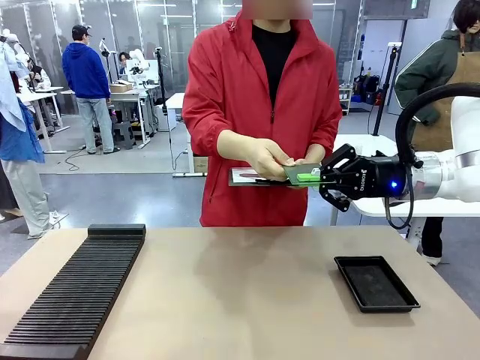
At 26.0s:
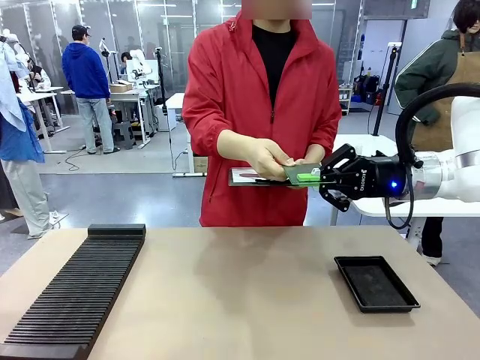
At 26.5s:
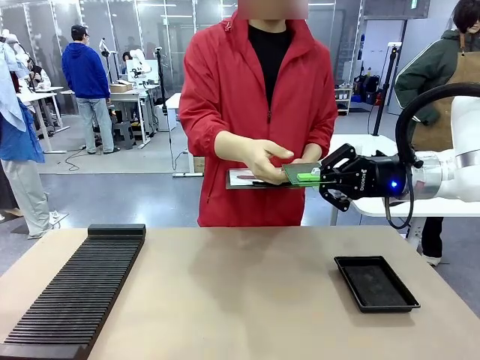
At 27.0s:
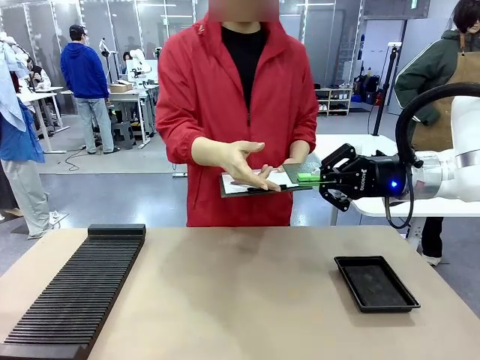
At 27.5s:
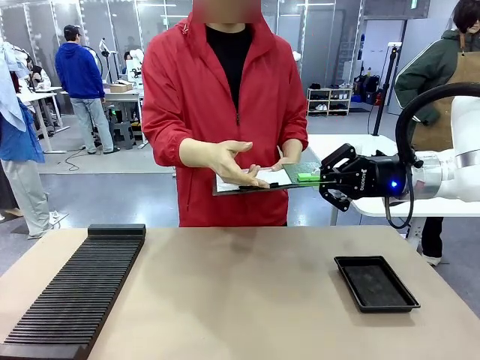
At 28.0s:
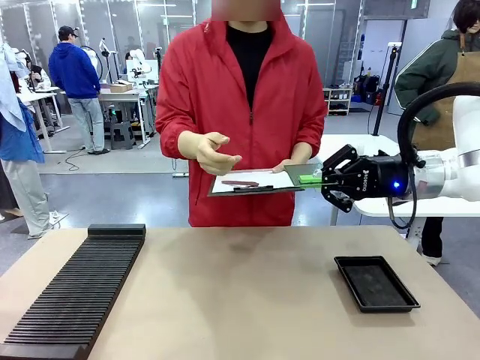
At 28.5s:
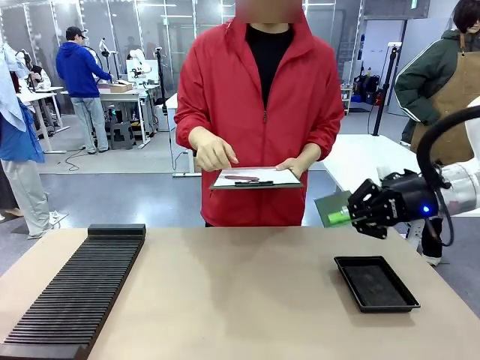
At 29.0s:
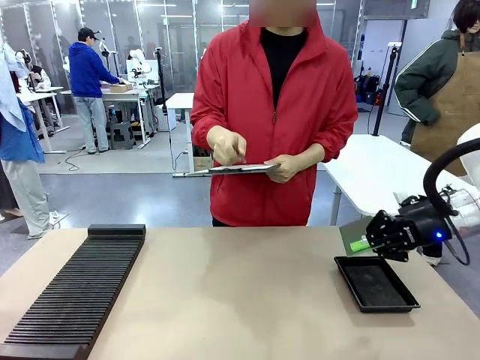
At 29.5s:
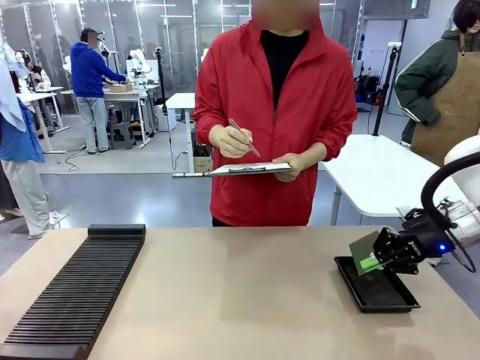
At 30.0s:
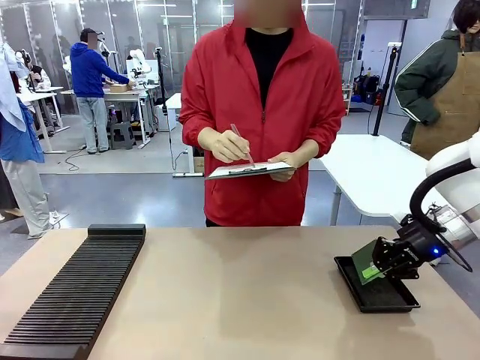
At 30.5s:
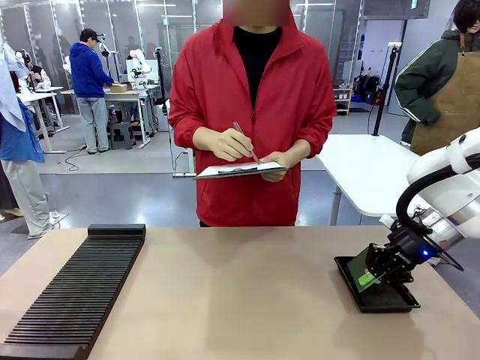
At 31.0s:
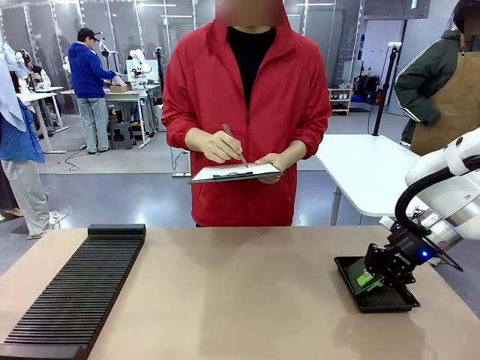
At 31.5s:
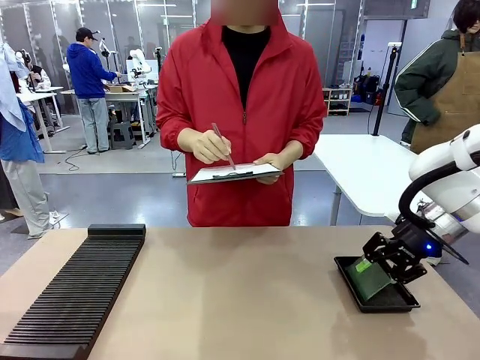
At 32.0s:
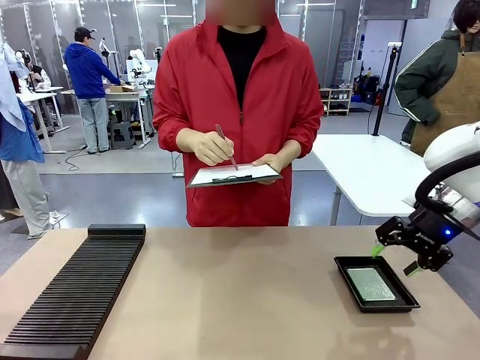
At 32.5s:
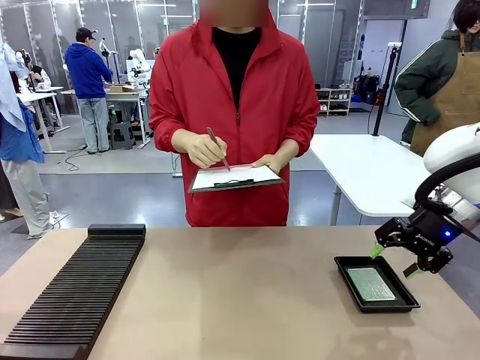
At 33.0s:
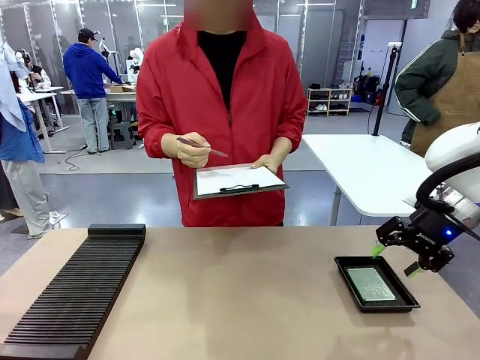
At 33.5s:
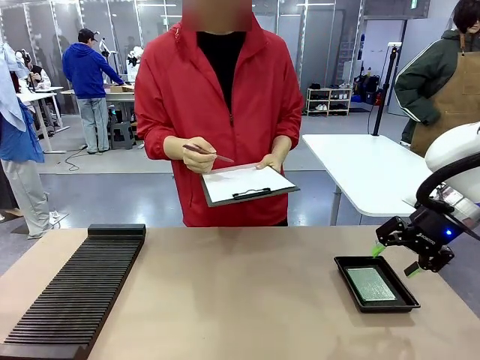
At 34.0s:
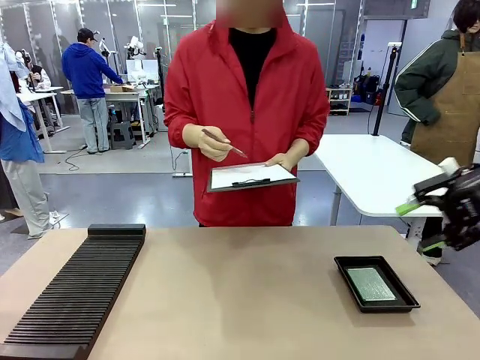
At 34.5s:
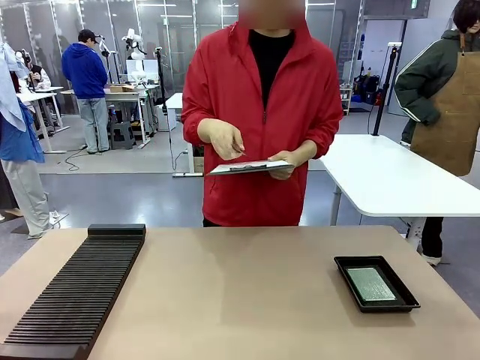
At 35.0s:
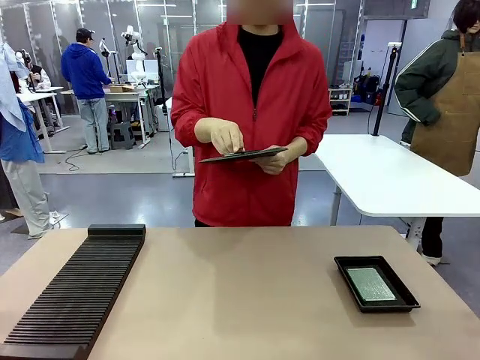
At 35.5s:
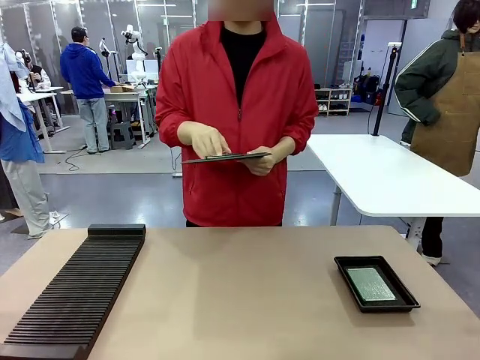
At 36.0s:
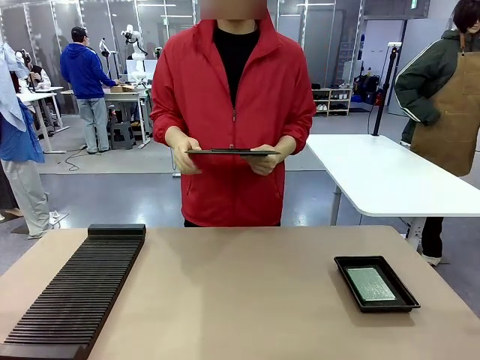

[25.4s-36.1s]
Task: Inspect the PCB.
Robot: Place the Blank PCB in the ESD tray.
Person: Record the PCB status on the paper.

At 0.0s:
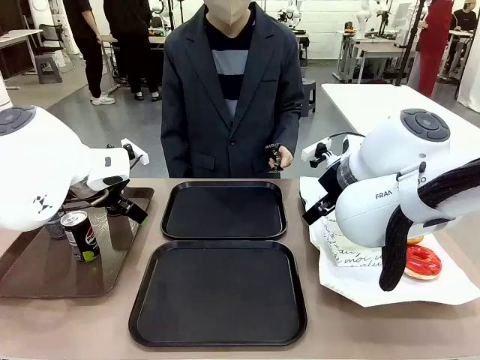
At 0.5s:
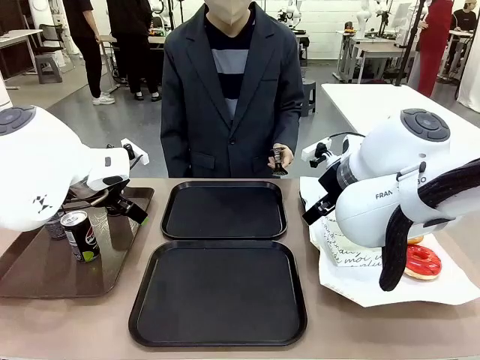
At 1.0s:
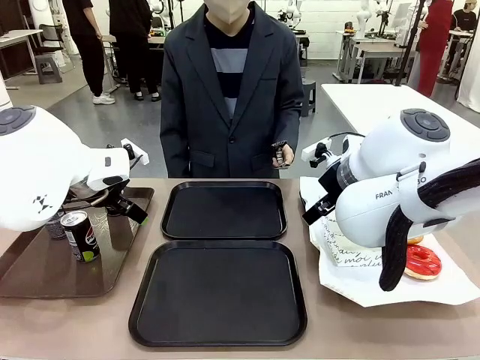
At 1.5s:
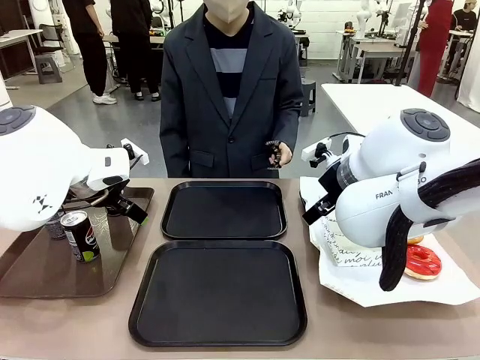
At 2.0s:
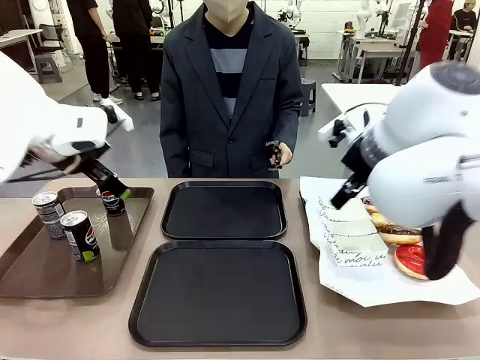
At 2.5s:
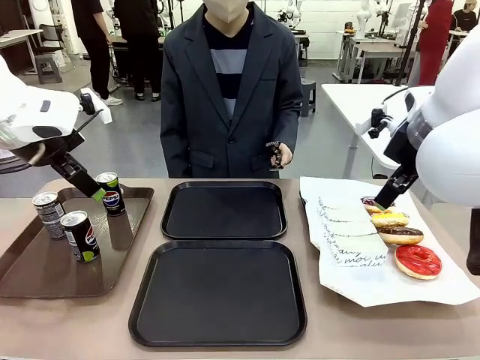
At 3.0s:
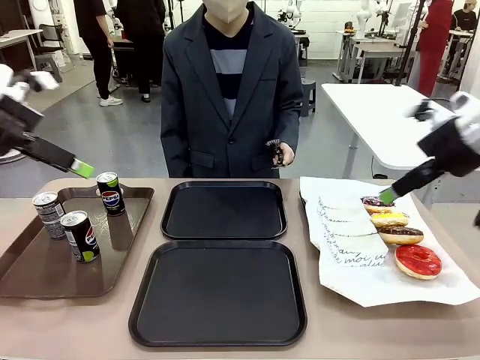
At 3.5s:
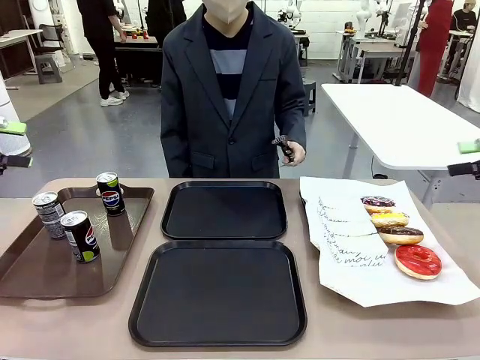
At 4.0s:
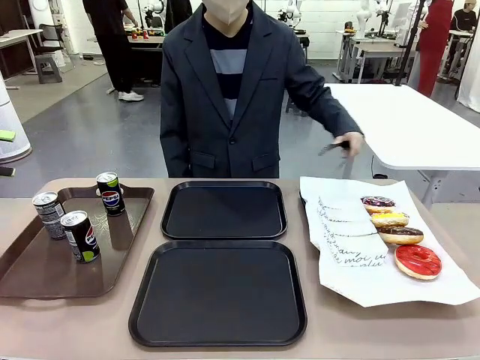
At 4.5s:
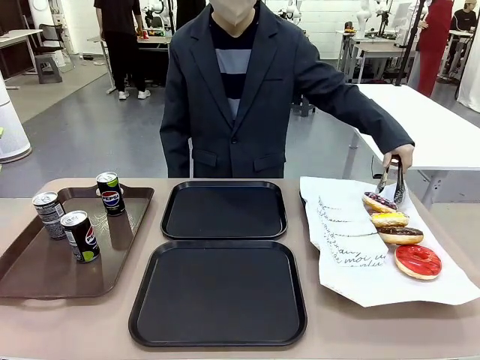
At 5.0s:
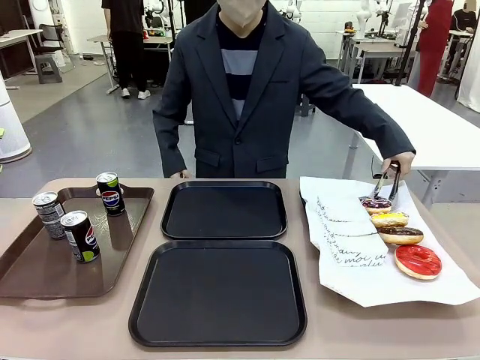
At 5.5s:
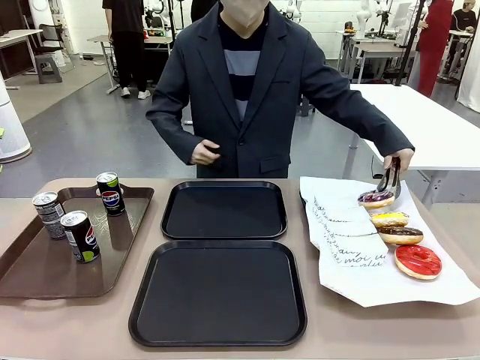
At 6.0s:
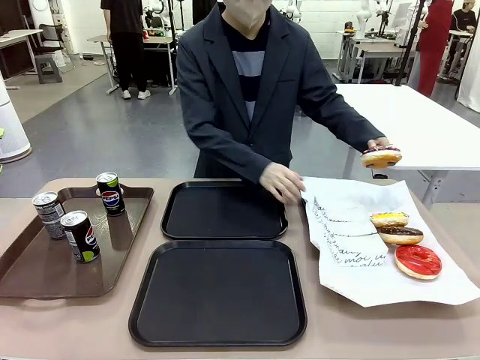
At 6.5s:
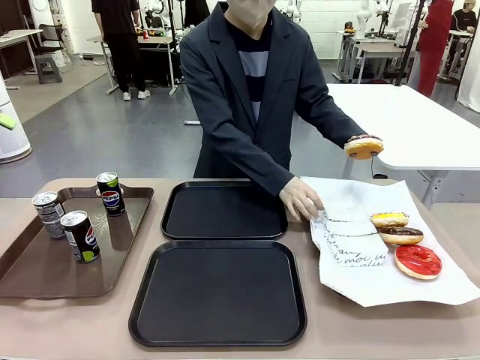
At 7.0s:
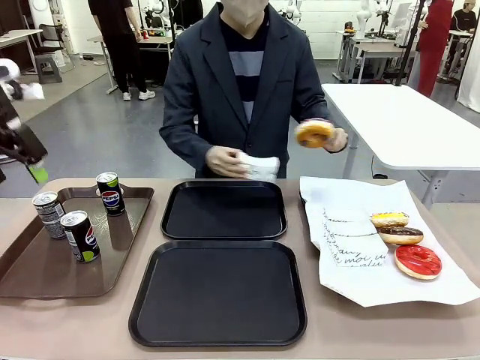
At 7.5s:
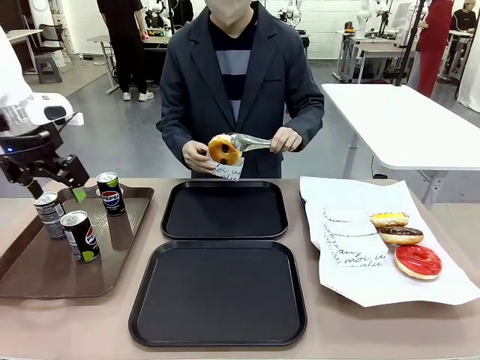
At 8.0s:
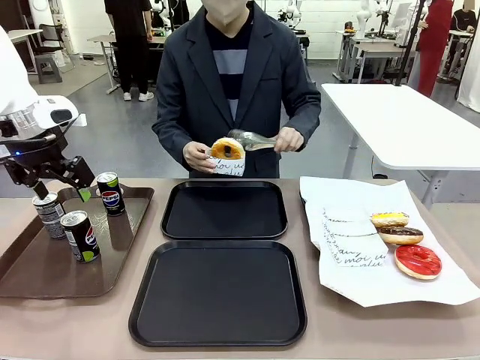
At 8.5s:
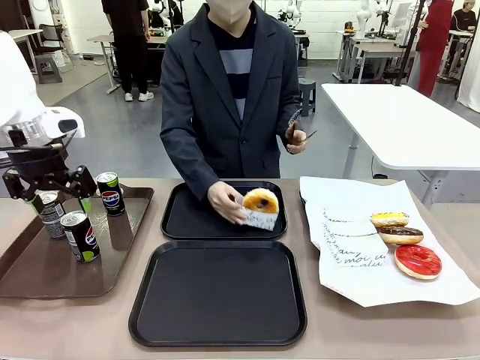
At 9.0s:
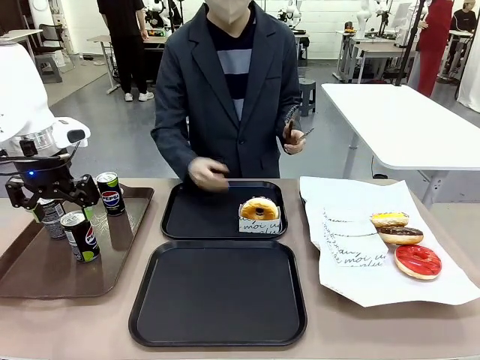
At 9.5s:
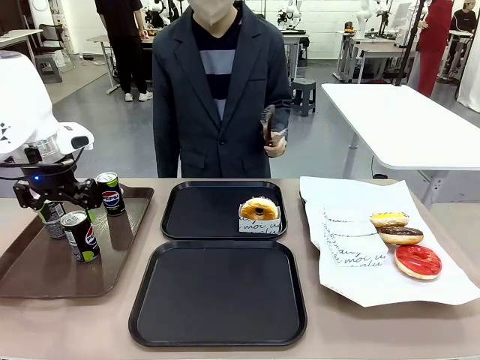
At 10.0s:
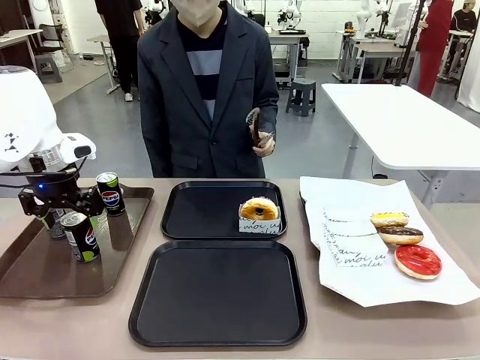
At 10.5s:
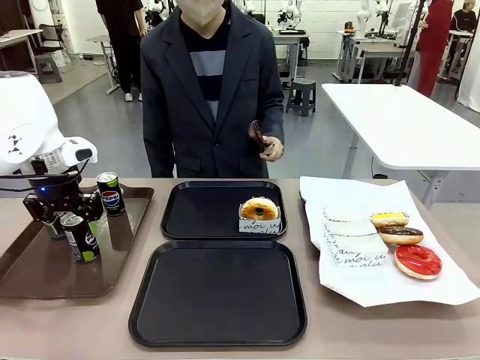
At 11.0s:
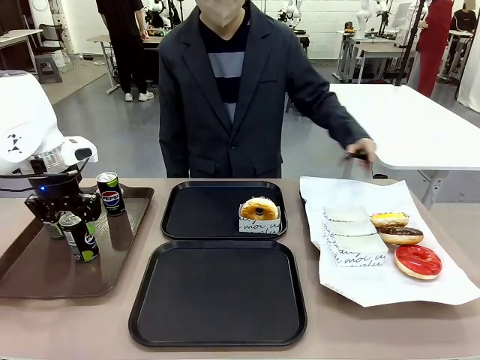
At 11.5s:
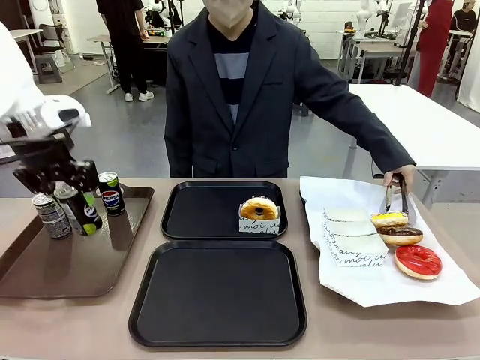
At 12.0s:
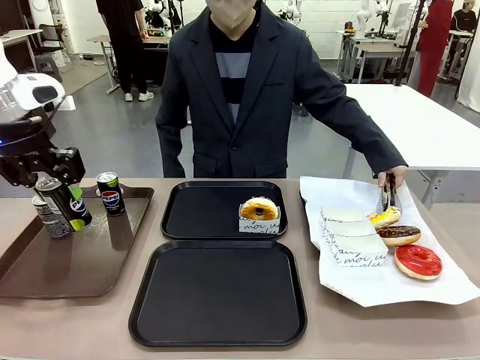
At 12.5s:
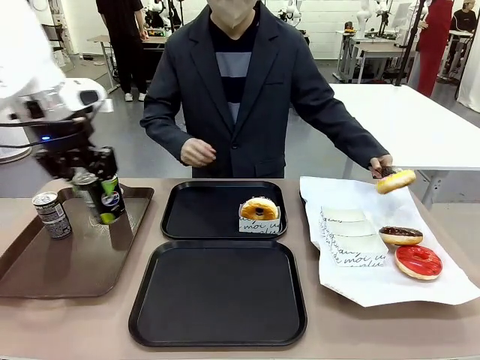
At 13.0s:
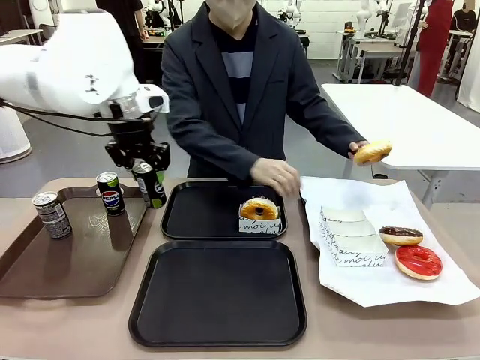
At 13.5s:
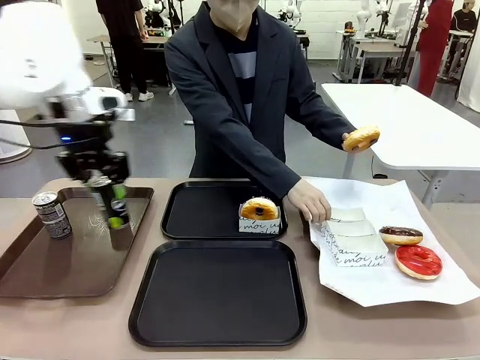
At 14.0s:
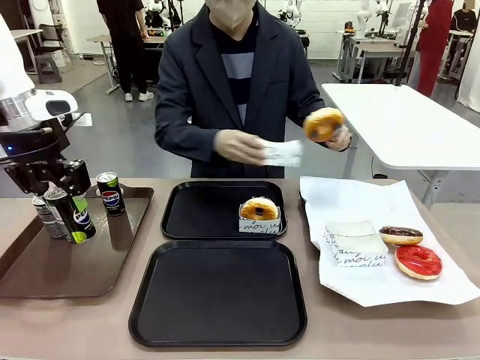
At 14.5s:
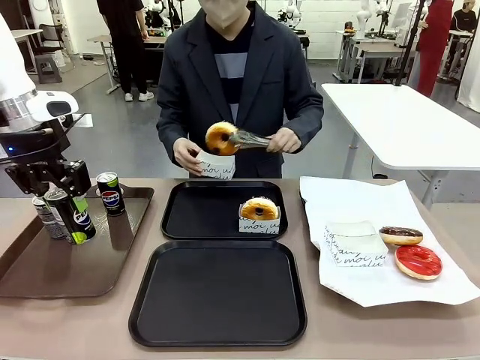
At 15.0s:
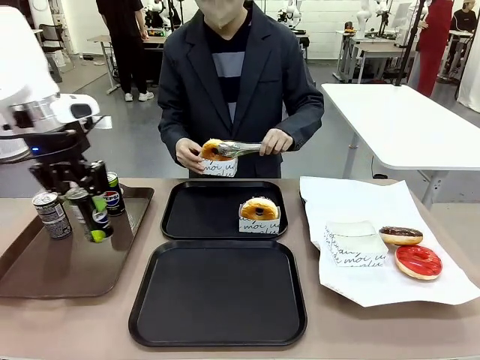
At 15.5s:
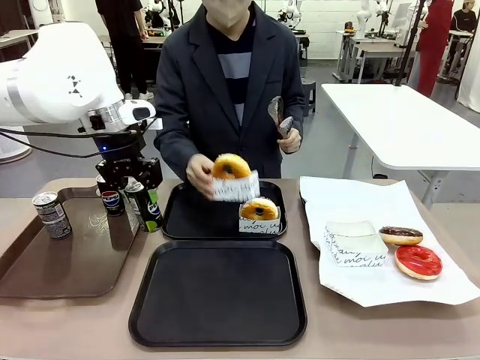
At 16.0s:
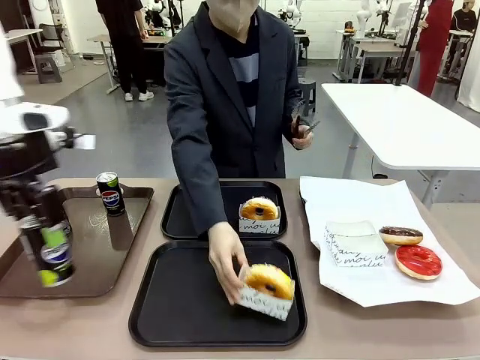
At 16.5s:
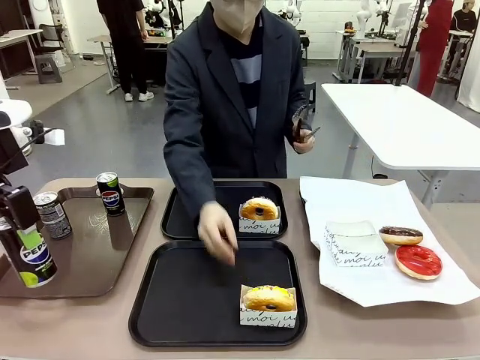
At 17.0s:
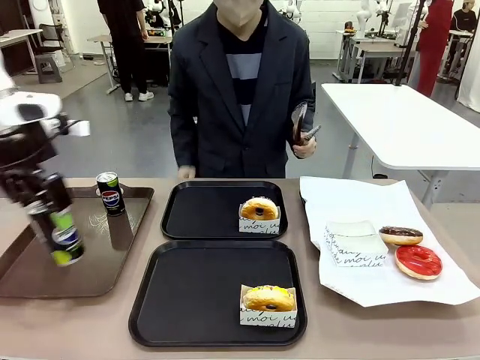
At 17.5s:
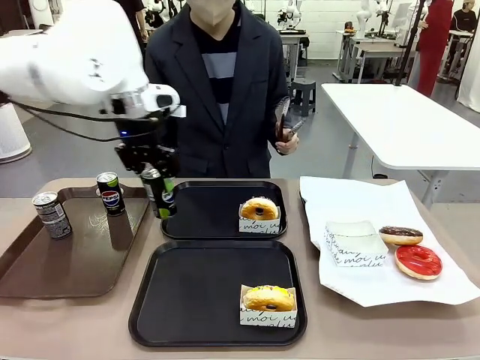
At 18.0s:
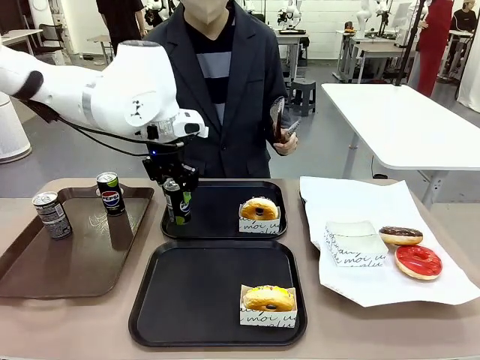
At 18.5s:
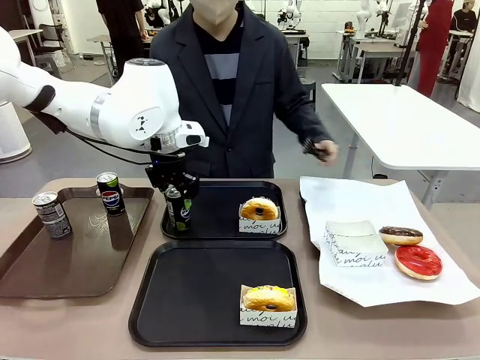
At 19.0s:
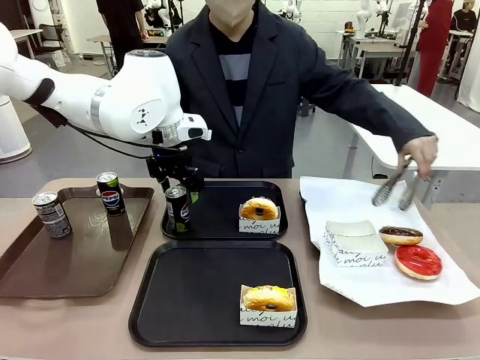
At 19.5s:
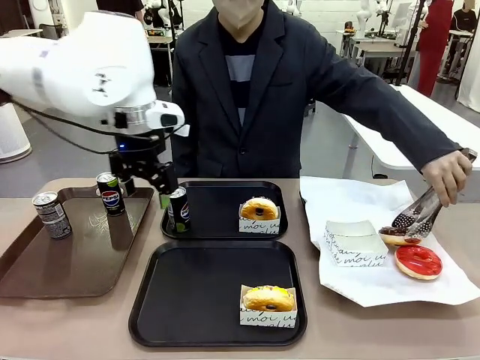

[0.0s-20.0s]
Task: Set up donuts and drinks on trays.
Robot: Pick up one Pepsi coke and place it on the Flat Tray.
Person: Pick up one donut with tongs, place it in the donut tray, and then place the donut tray on the flat tray.
